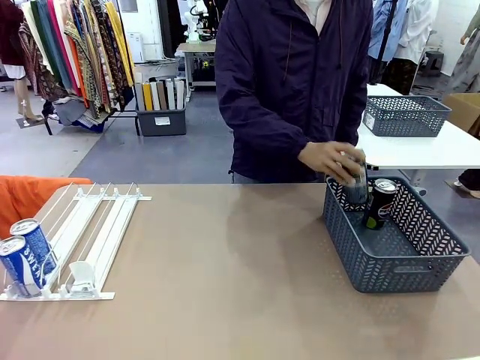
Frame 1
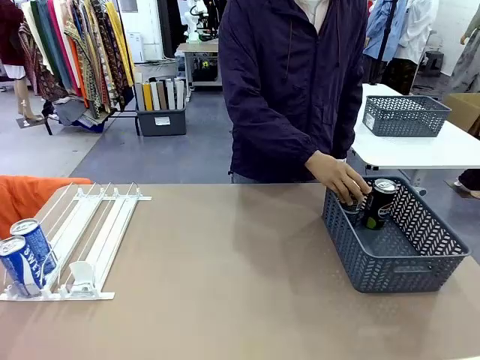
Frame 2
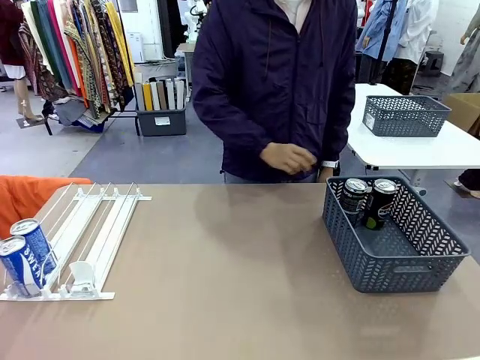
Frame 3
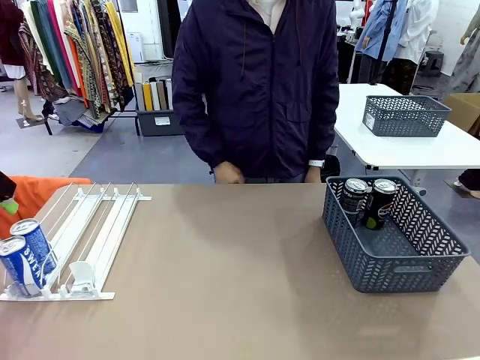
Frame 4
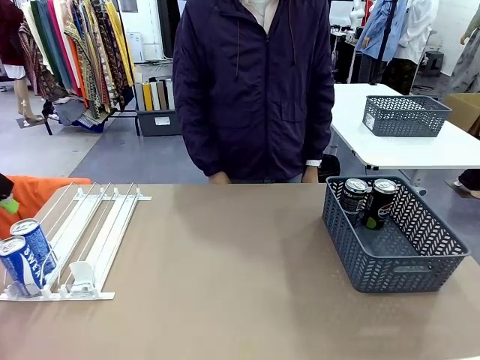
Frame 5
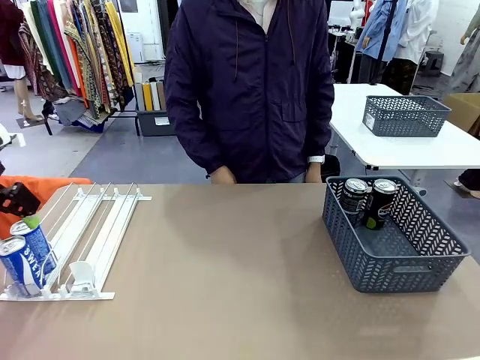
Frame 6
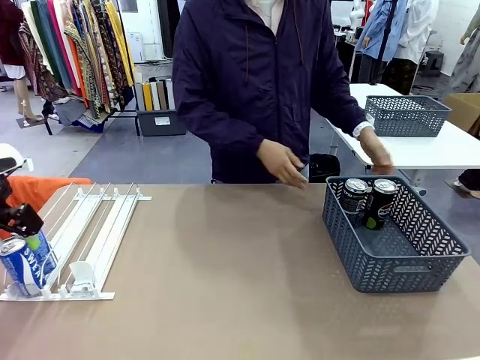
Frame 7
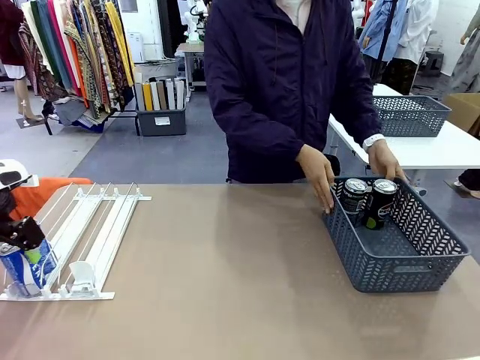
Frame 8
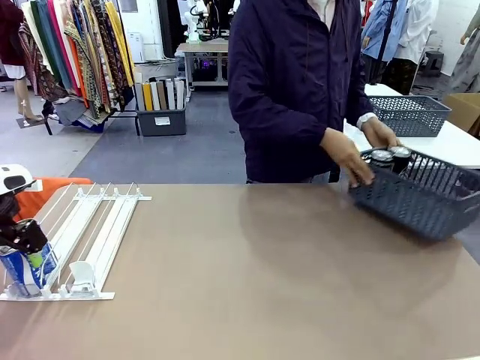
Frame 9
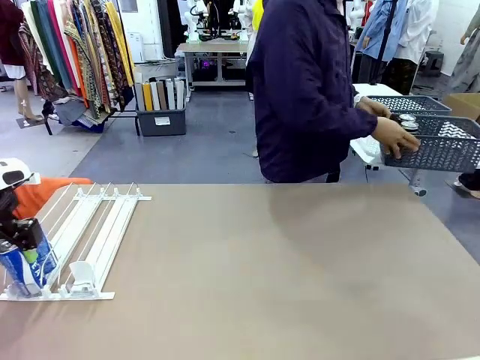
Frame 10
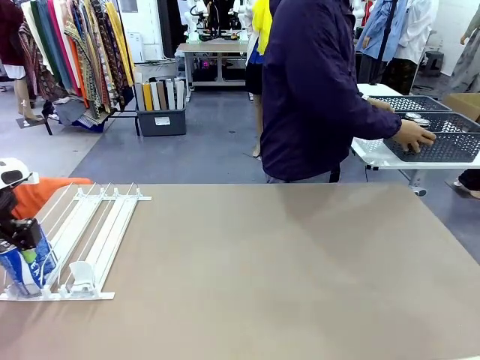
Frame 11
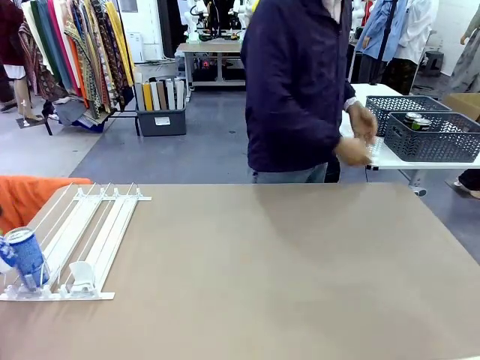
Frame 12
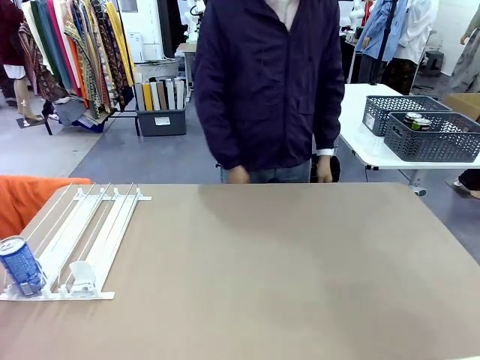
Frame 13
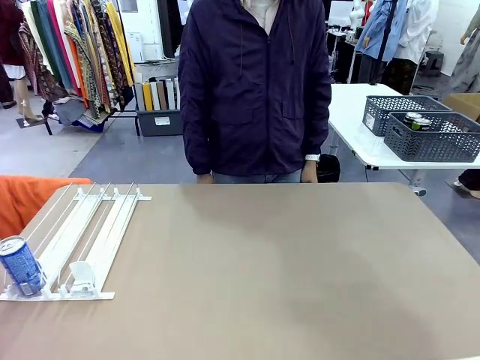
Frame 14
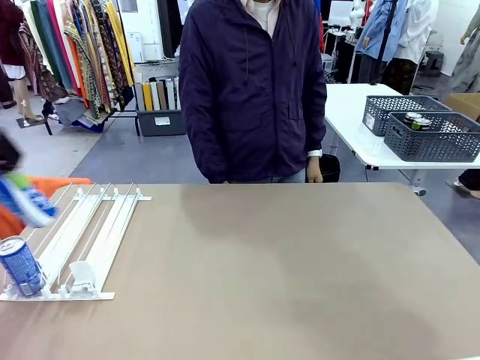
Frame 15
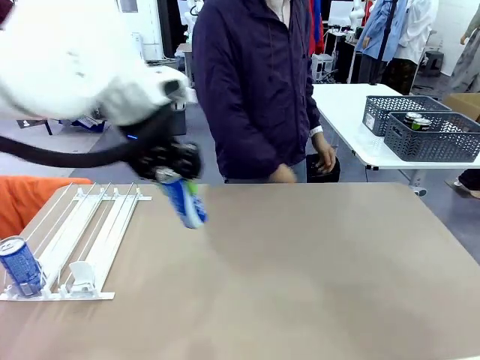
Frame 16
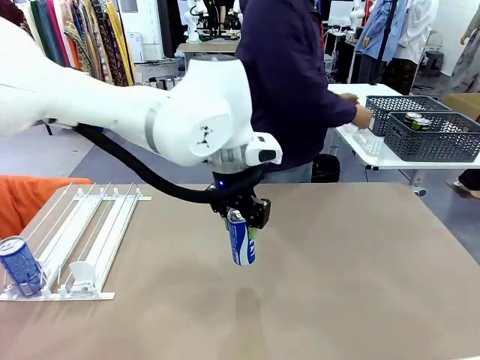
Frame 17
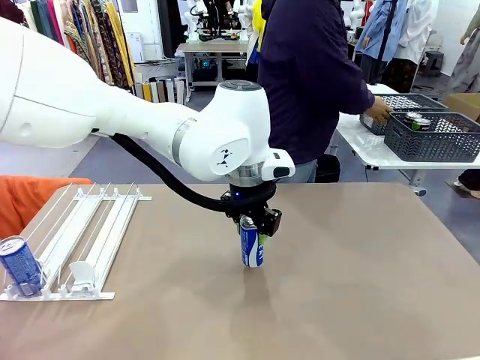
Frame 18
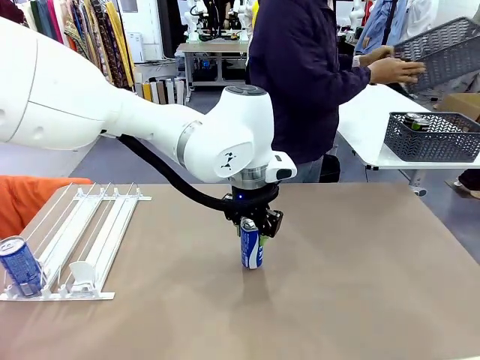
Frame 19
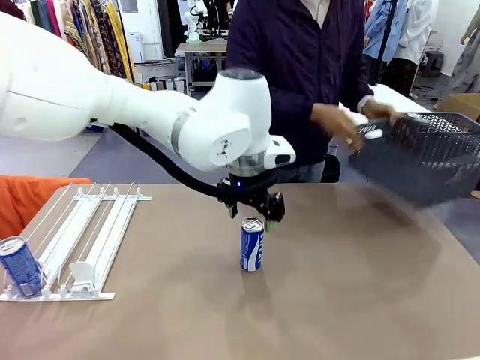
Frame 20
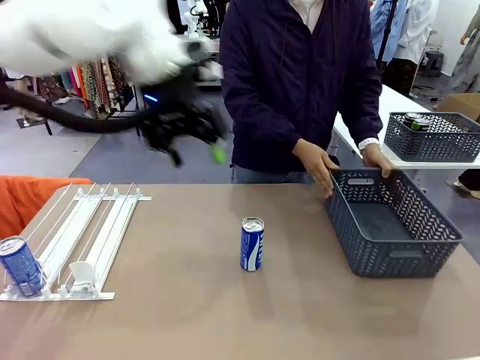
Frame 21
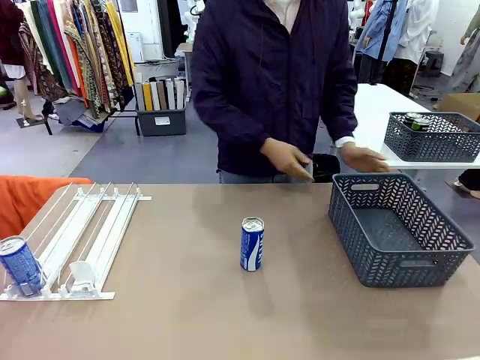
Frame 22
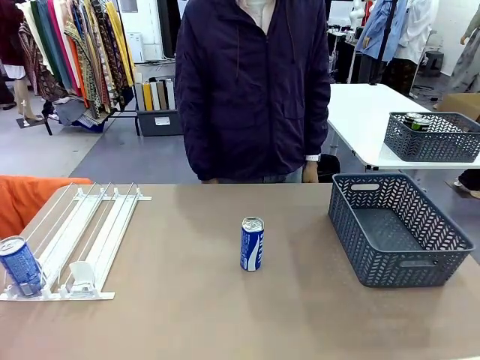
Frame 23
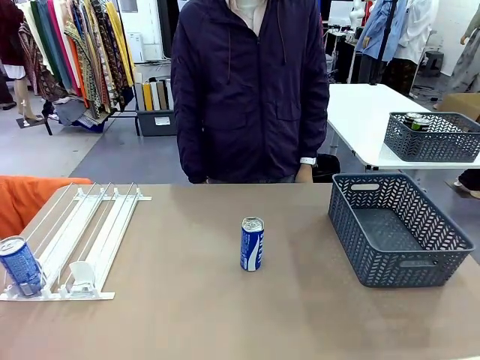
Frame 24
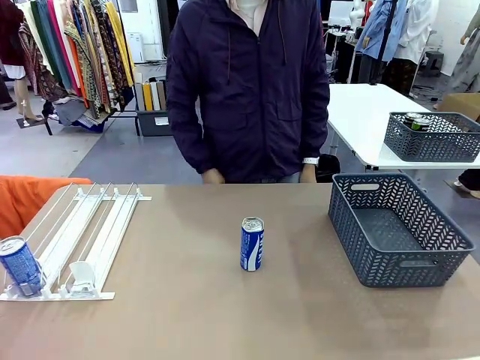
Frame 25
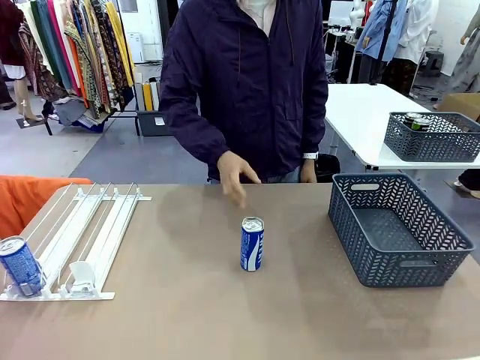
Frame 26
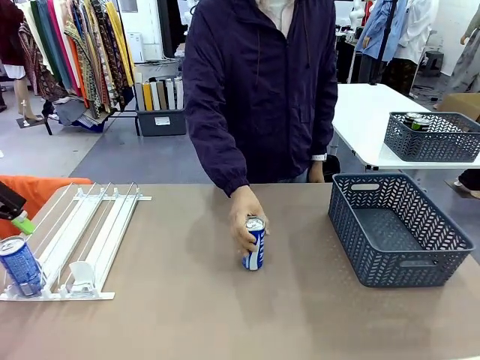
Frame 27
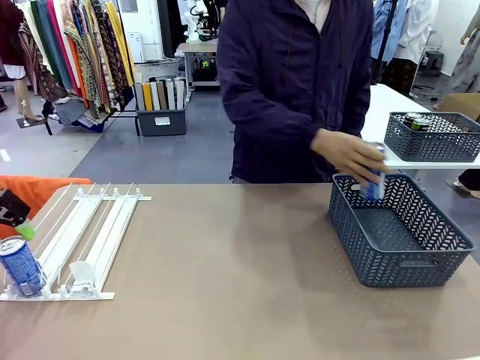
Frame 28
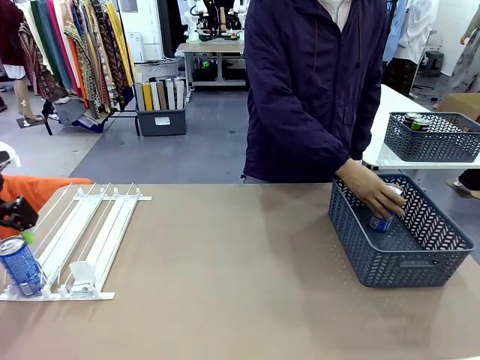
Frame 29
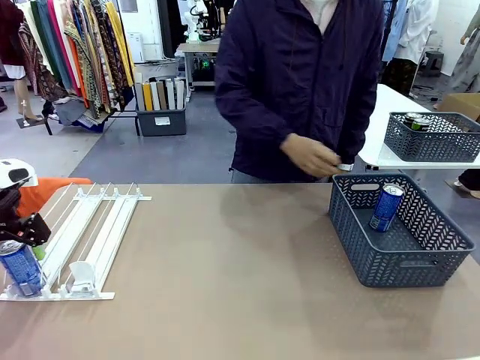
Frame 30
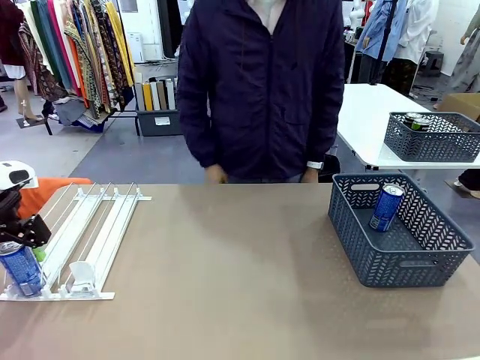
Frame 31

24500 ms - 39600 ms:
Task: Retrieve and store the cans from the dispenser.
Robot: Pick up one can from the Automatic Can Dispenser and place it in the middle of the table.
Person: Pick up the basket and place it in the middle of the human table. Pick up the empty basket and place it on the left side of the robot table.

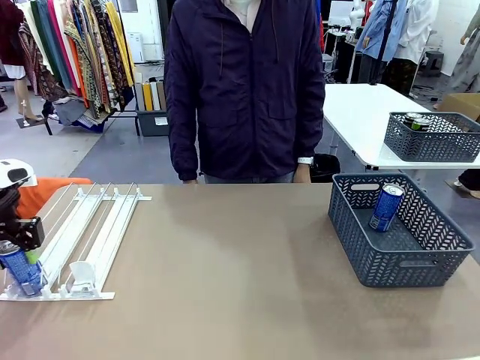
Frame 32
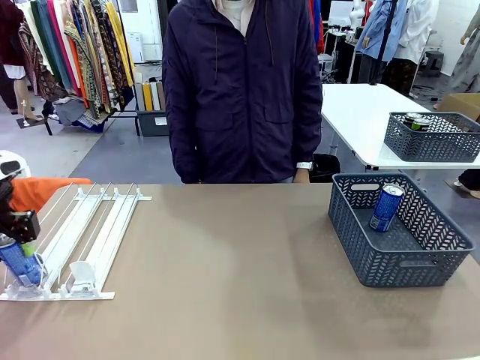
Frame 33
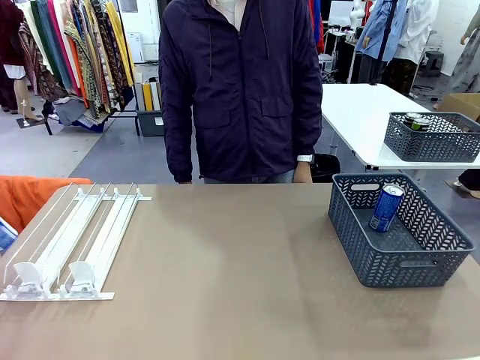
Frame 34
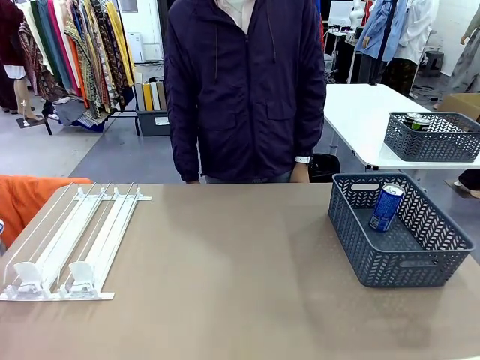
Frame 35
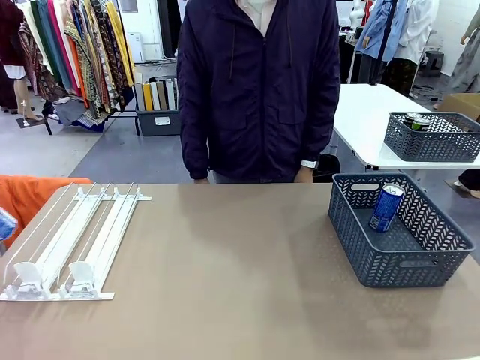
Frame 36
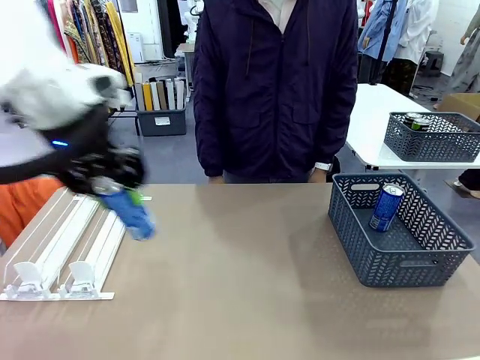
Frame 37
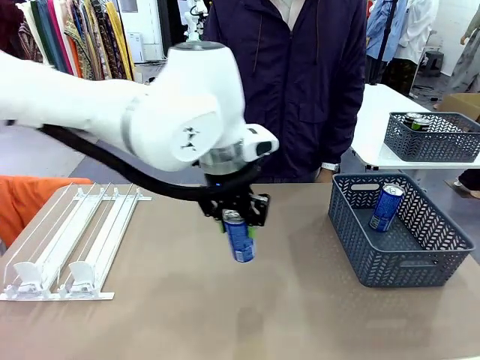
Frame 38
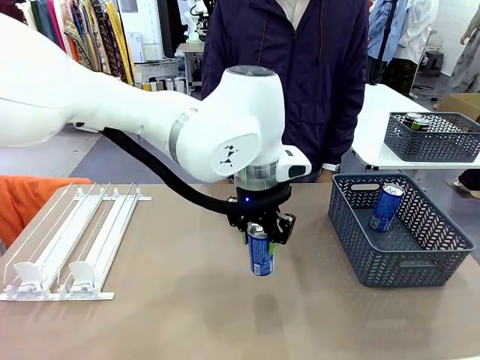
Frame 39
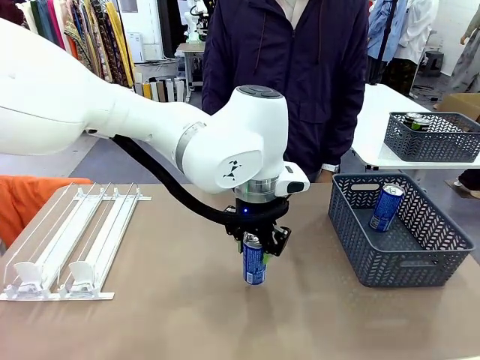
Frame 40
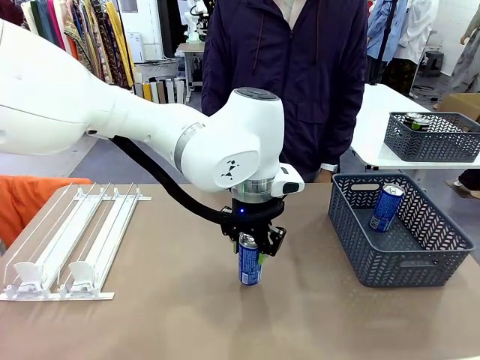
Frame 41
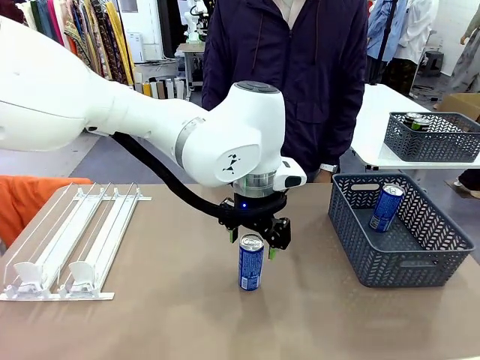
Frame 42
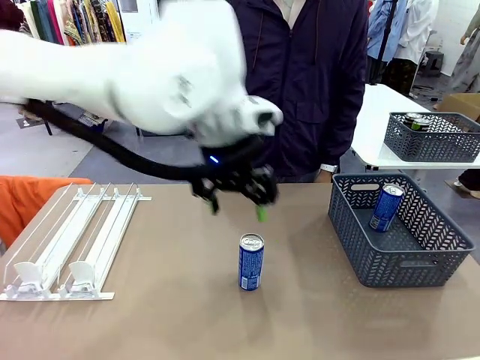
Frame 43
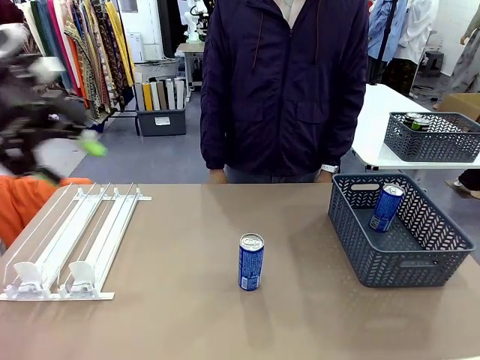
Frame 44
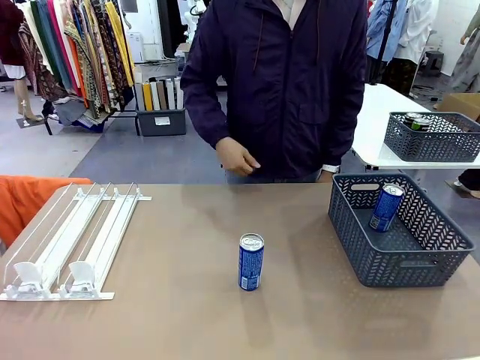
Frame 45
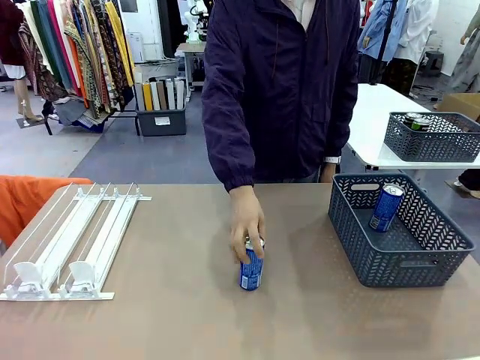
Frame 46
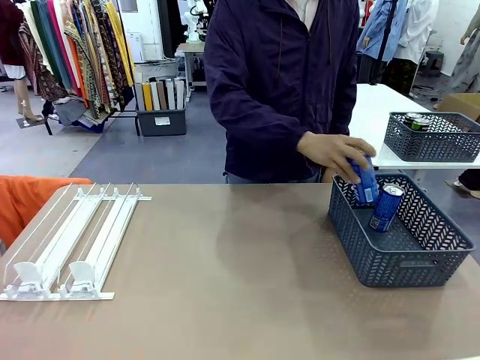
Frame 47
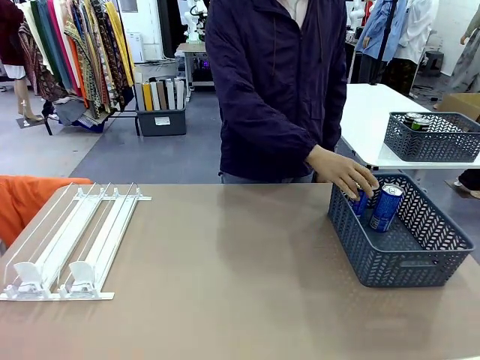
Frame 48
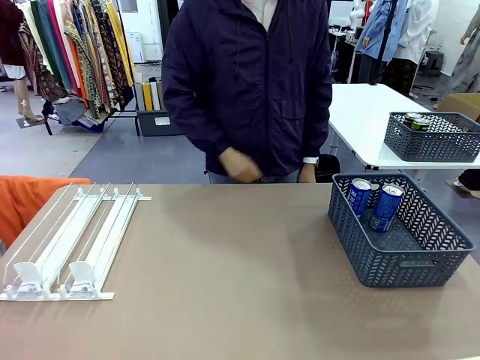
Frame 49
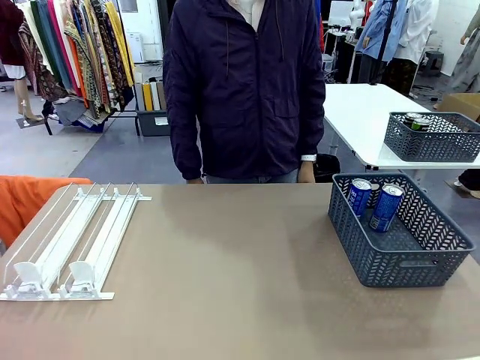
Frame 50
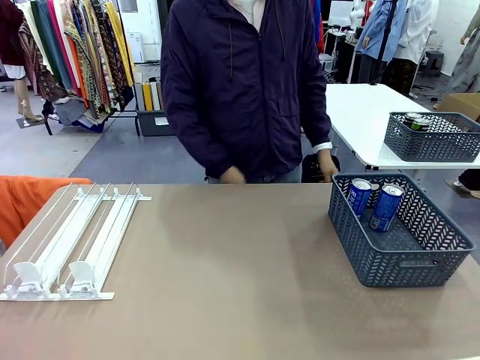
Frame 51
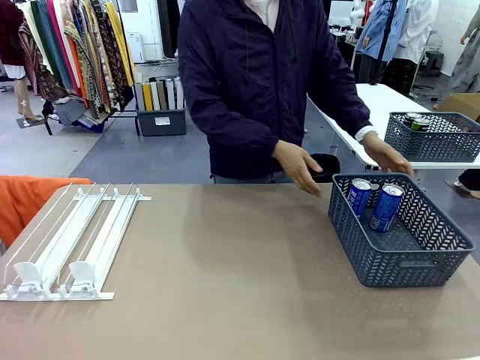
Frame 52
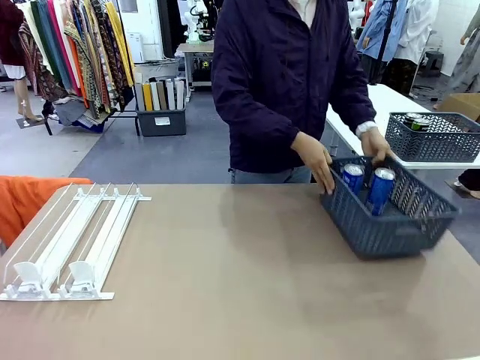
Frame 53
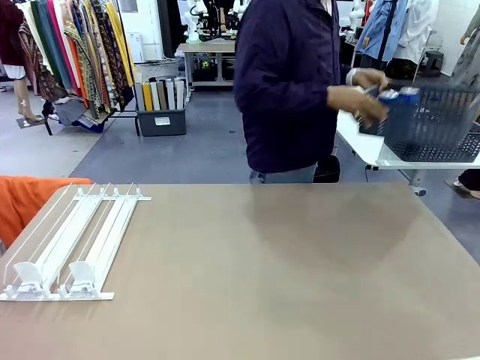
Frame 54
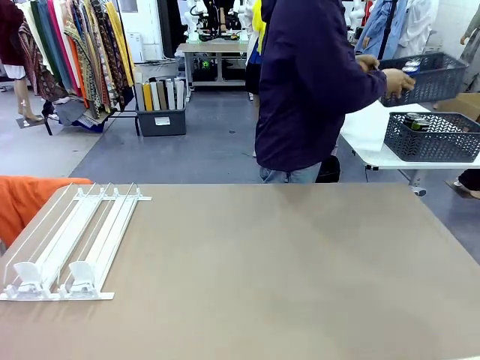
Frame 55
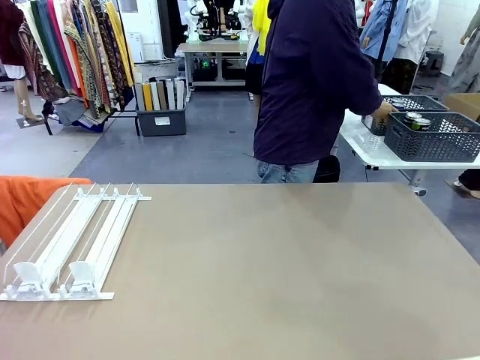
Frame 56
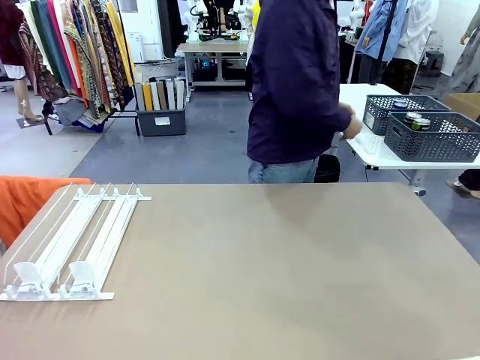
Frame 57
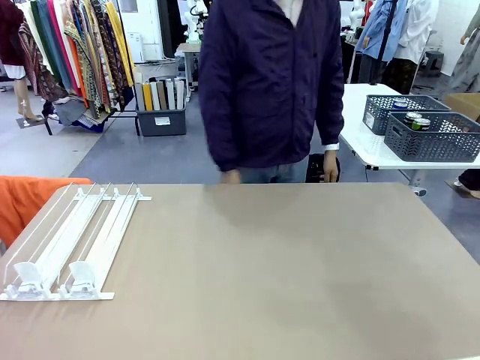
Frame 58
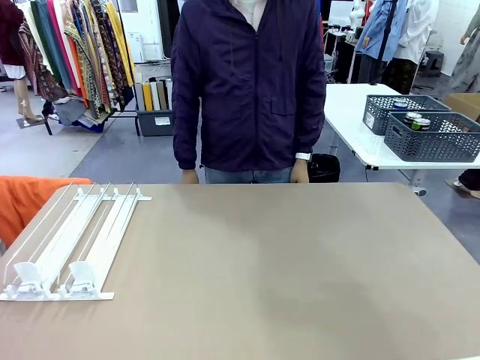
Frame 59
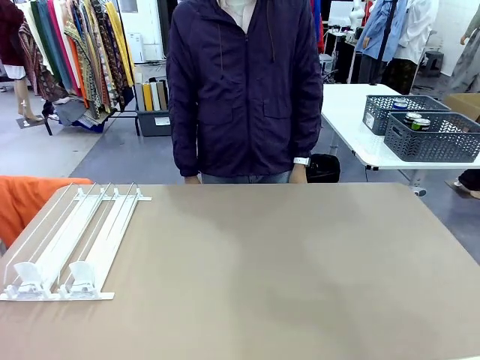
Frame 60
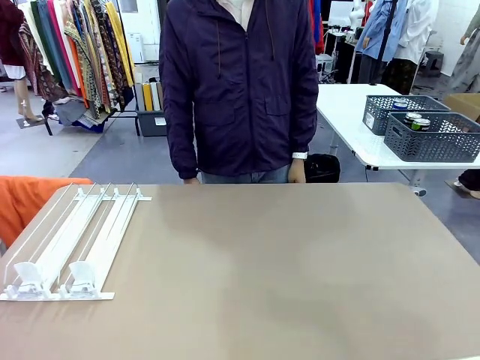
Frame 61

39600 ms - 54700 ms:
Robot: Pick up one can from the Automatic Can Dispenser and place it in the middle of the table.
Person: Pick up one sports drink can from the middle of the robot table and place it in the basket. Pick up the basket and place it in the middle of the human table.
